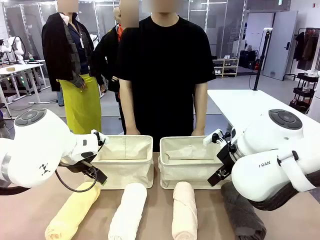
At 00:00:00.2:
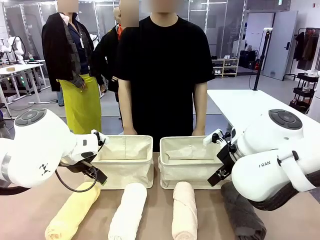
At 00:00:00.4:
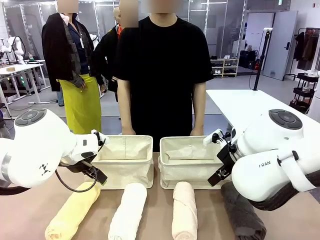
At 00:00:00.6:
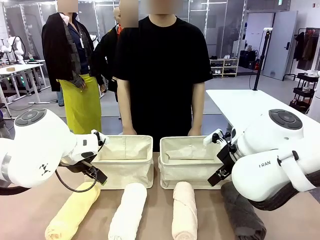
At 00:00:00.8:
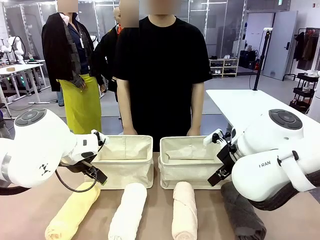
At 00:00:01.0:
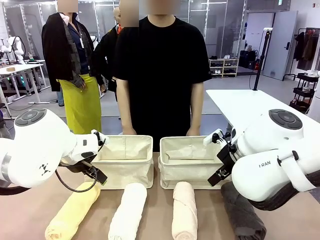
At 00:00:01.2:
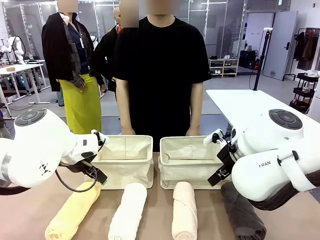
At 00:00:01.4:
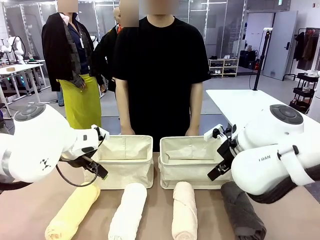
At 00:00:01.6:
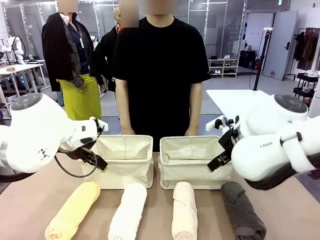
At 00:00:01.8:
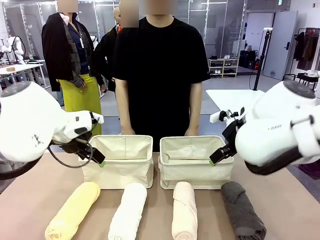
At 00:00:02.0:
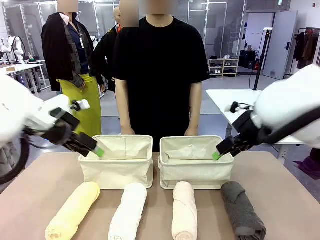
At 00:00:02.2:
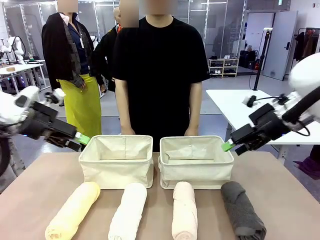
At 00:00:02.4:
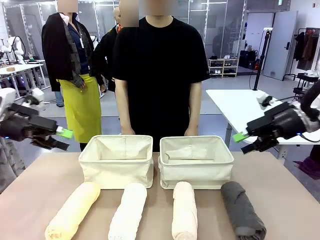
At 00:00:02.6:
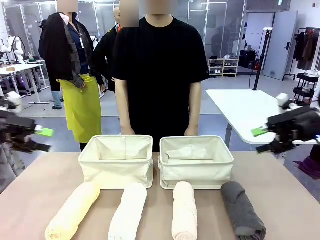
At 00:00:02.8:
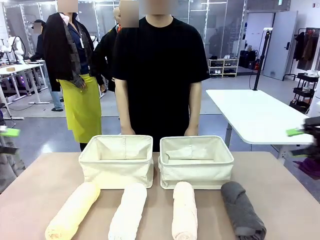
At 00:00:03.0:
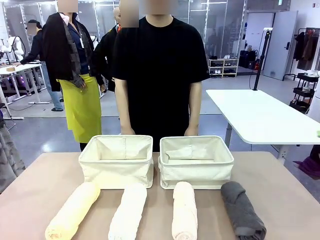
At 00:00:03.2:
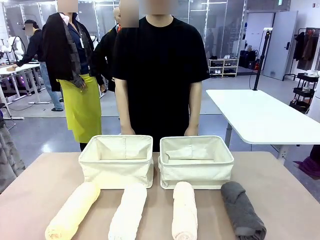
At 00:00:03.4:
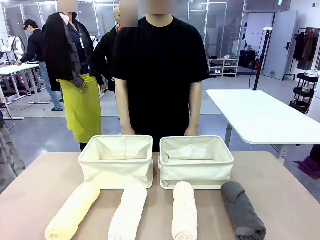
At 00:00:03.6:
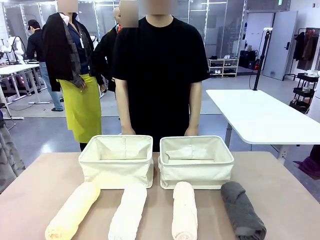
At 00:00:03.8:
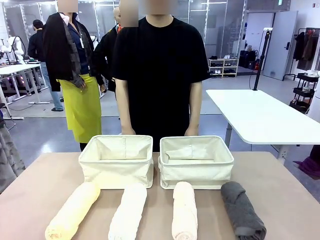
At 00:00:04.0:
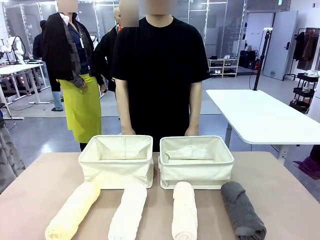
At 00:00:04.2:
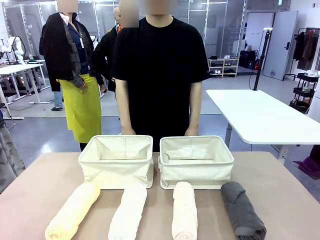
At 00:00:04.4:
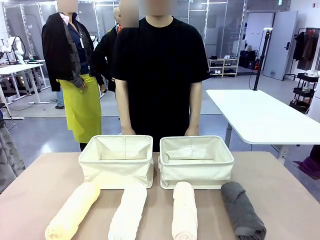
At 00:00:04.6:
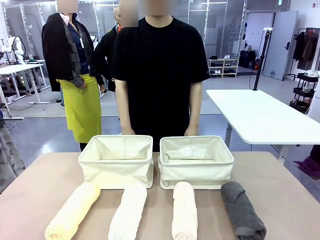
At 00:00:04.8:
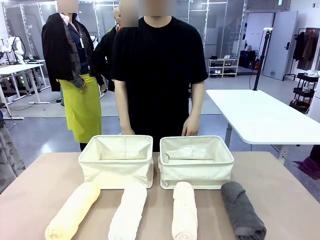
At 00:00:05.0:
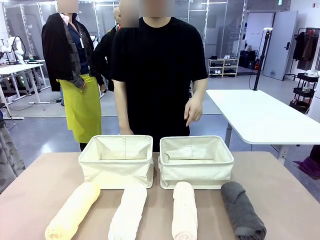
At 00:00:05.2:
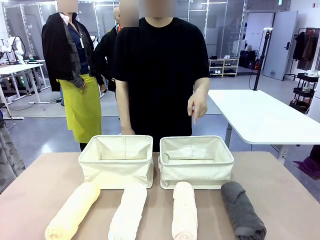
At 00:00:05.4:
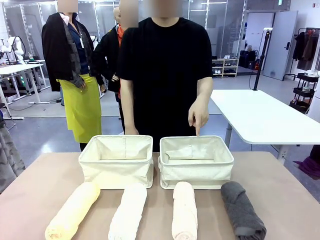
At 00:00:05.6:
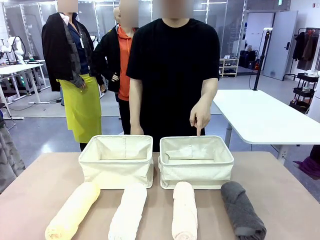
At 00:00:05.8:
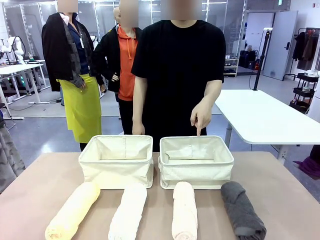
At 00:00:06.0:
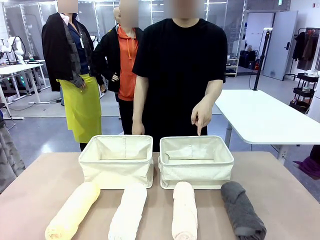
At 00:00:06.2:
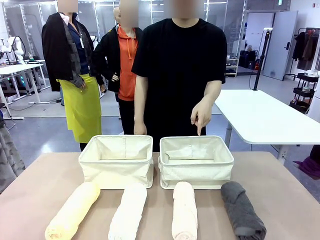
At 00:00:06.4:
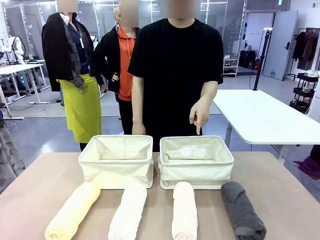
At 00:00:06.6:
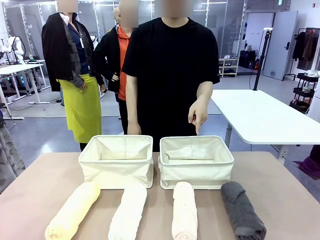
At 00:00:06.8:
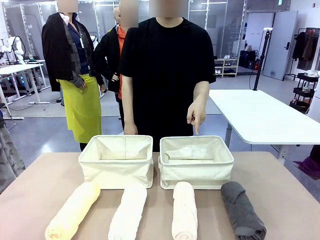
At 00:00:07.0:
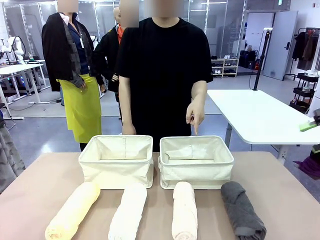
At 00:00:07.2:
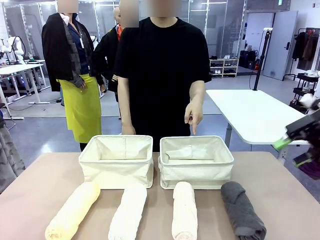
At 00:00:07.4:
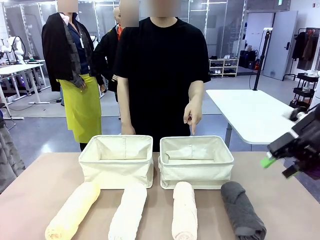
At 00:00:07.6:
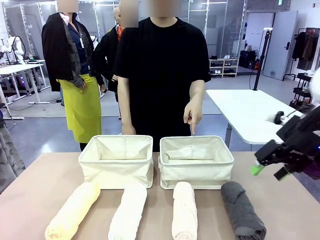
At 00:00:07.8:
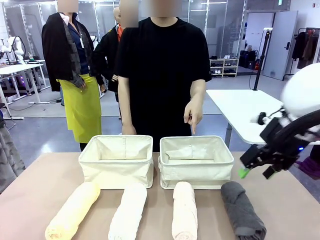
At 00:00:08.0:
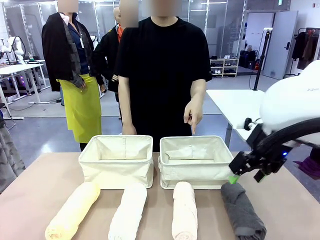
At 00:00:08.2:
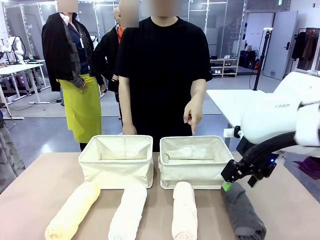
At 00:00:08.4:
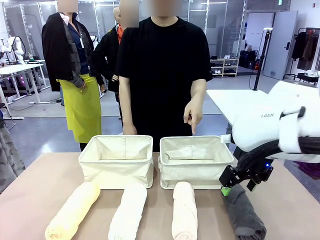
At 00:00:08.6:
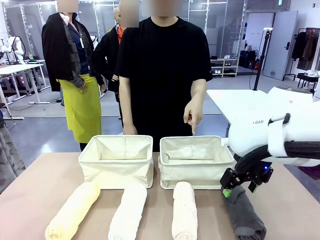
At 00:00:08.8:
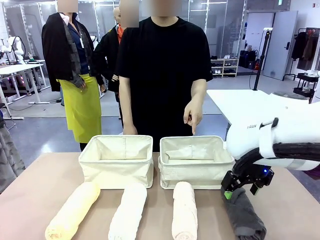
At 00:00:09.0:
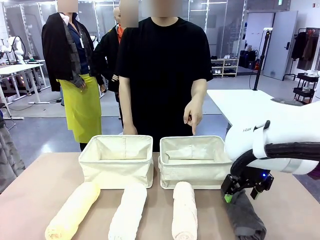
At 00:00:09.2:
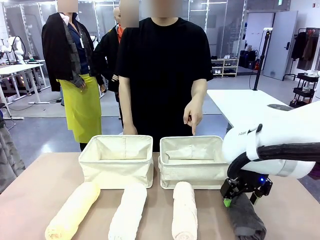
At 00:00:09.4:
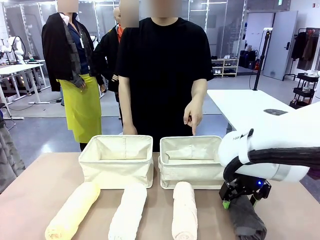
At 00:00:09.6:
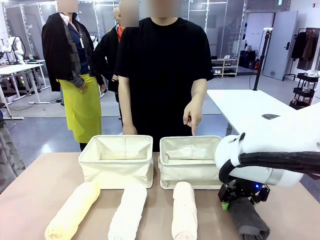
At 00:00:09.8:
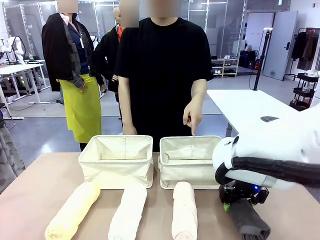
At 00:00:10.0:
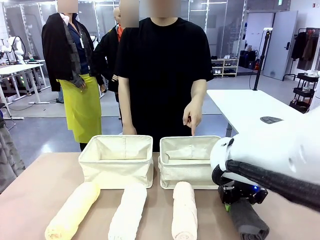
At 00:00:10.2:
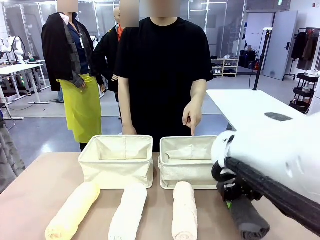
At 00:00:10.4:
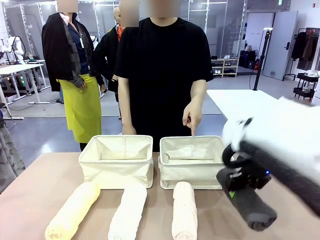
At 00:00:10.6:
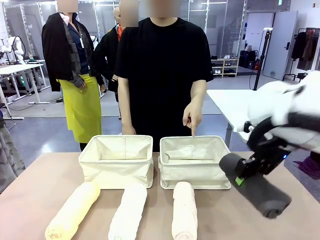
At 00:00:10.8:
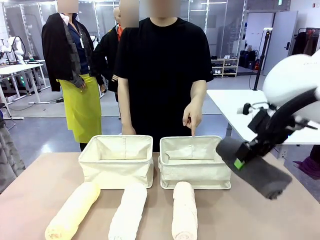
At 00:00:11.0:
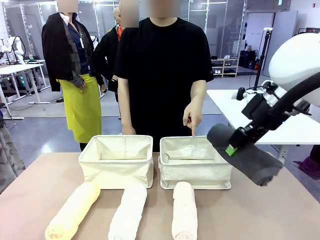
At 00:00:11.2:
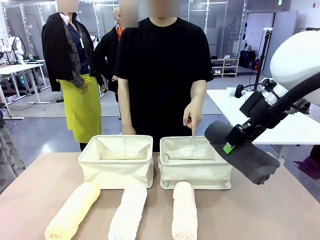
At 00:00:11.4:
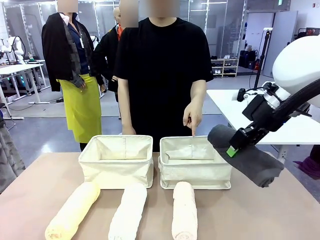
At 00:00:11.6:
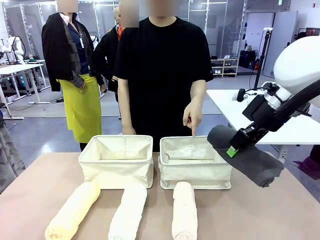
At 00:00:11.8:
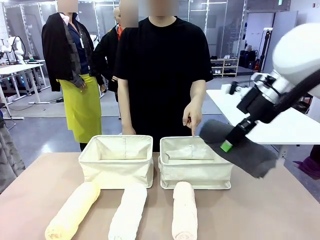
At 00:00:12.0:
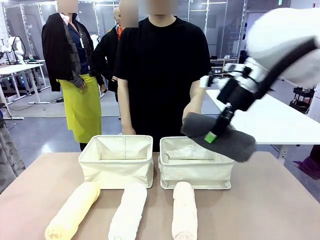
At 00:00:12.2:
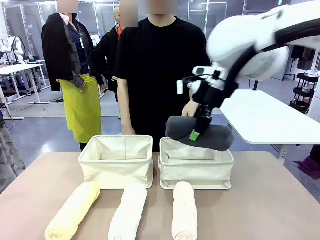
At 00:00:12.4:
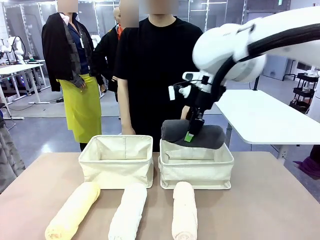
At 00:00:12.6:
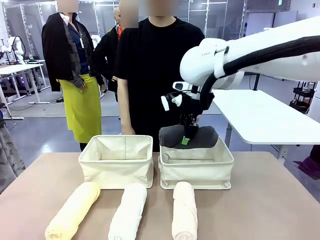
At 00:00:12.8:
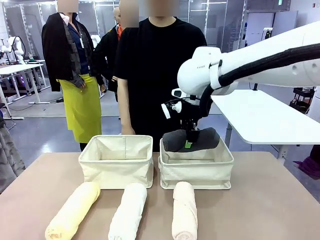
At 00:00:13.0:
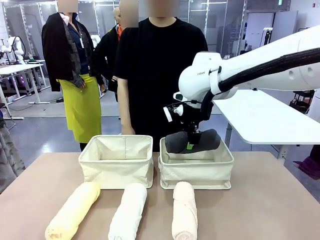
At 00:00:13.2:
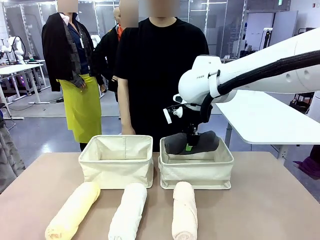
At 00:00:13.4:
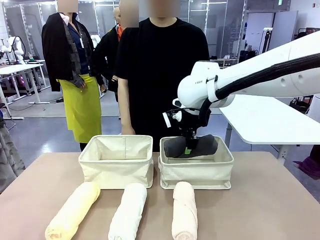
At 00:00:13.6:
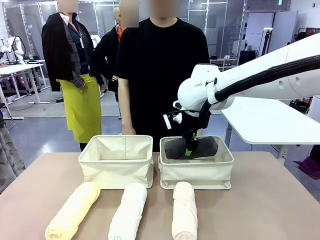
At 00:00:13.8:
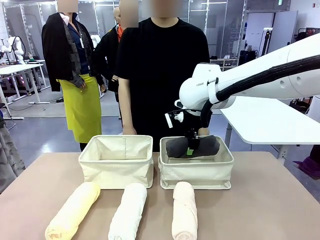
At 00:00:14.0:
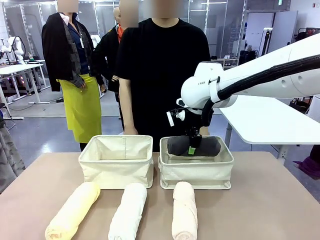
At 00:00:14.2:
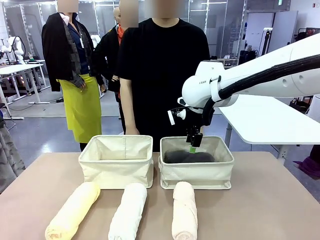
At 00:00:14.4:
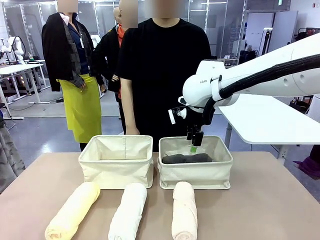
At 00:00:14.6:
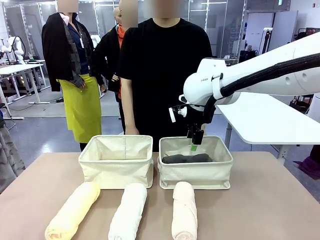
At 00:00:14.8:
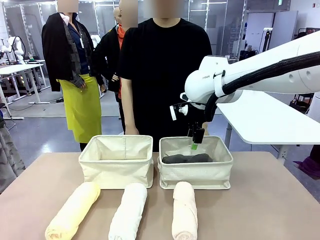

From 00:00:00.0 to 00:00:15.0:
Task: Divide the towels into two baskets.
Robot: Pick up one hotel-folded towel and place it in the Fabric basket indicated by the person.
